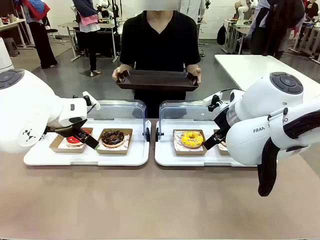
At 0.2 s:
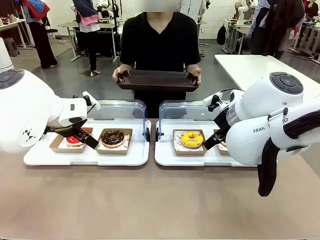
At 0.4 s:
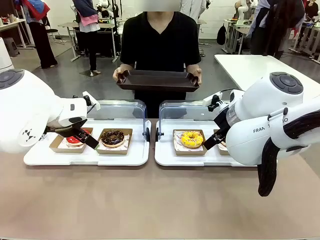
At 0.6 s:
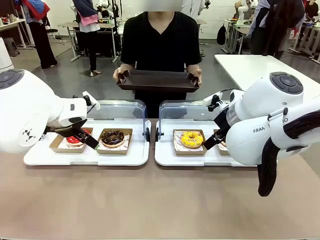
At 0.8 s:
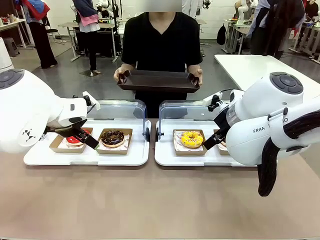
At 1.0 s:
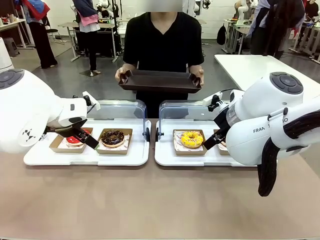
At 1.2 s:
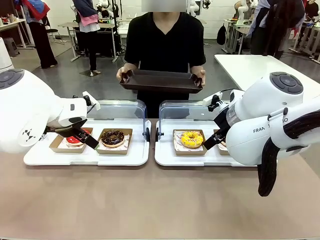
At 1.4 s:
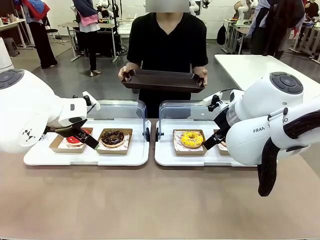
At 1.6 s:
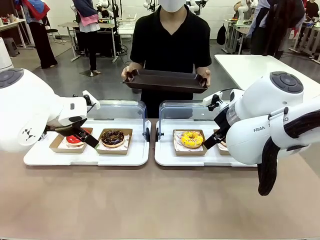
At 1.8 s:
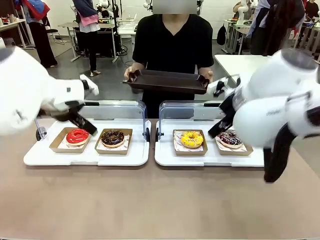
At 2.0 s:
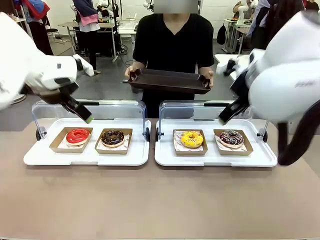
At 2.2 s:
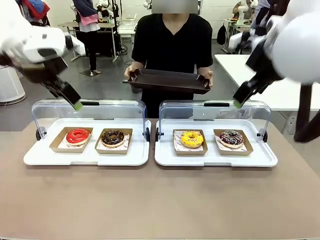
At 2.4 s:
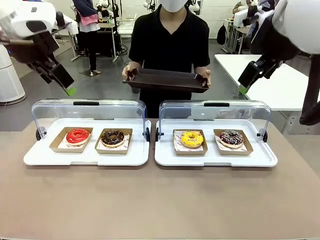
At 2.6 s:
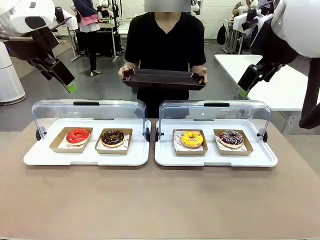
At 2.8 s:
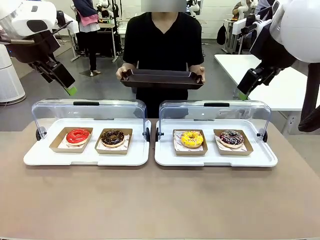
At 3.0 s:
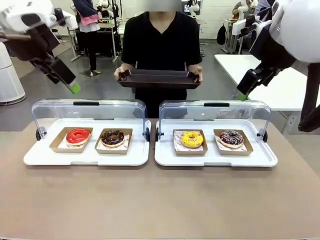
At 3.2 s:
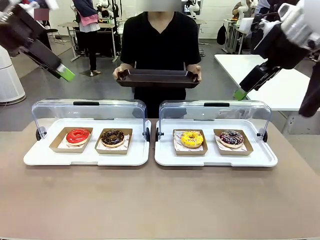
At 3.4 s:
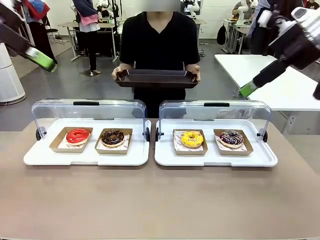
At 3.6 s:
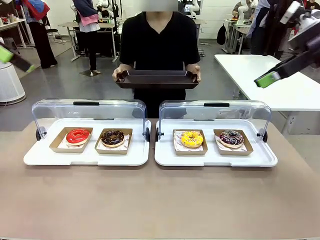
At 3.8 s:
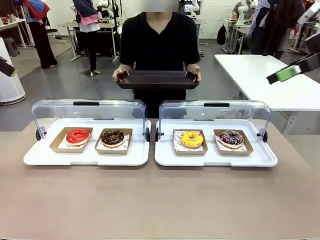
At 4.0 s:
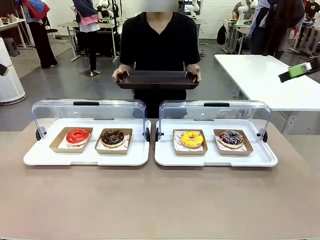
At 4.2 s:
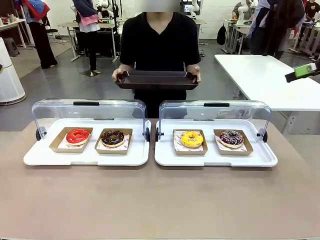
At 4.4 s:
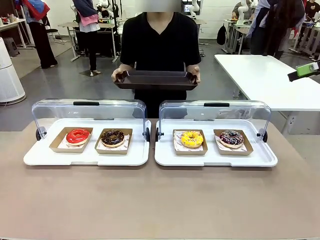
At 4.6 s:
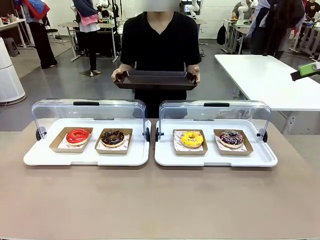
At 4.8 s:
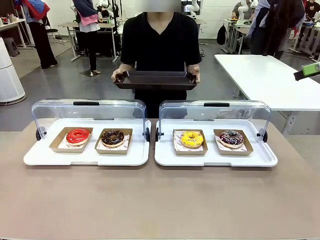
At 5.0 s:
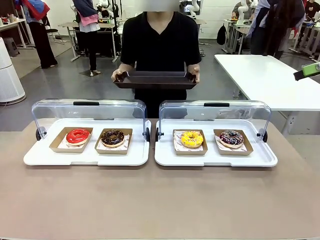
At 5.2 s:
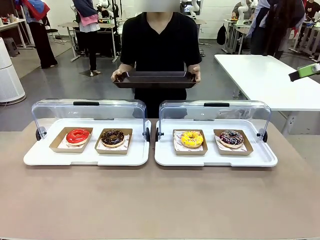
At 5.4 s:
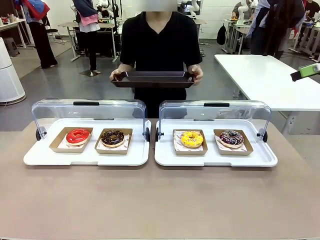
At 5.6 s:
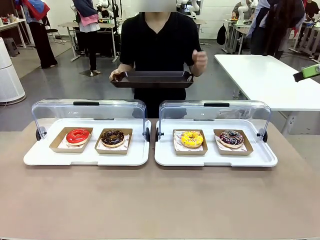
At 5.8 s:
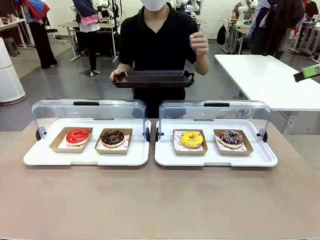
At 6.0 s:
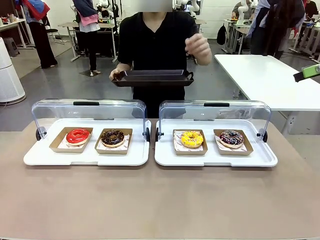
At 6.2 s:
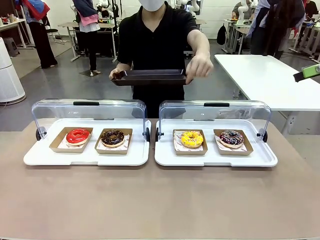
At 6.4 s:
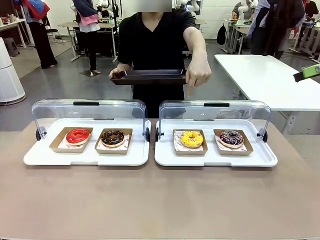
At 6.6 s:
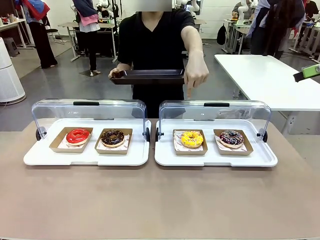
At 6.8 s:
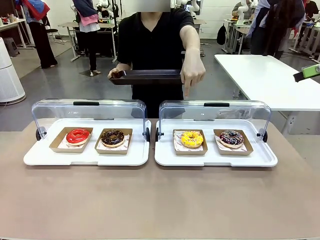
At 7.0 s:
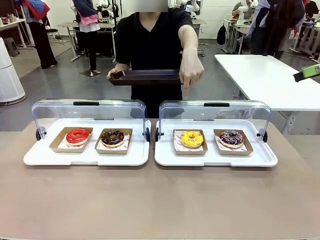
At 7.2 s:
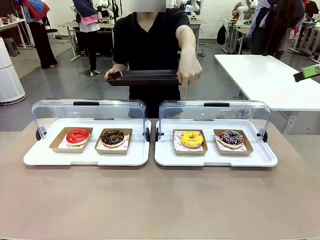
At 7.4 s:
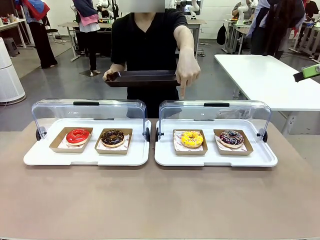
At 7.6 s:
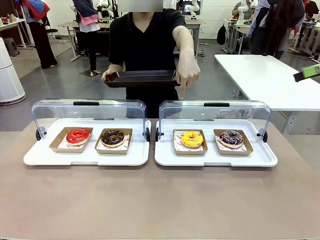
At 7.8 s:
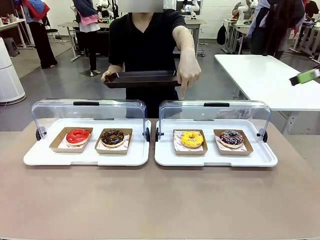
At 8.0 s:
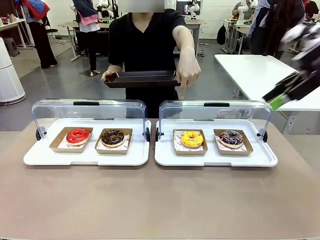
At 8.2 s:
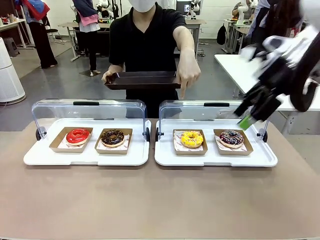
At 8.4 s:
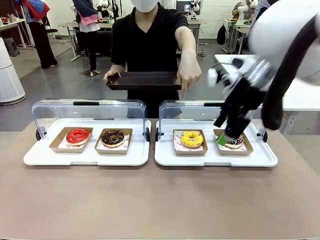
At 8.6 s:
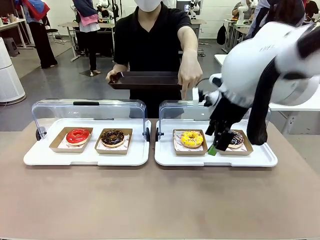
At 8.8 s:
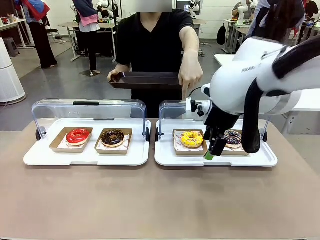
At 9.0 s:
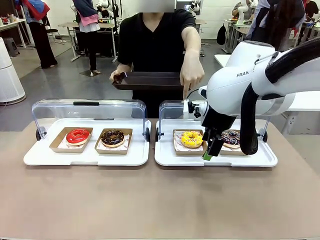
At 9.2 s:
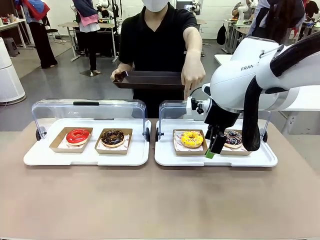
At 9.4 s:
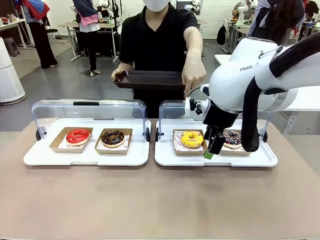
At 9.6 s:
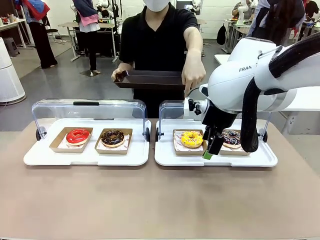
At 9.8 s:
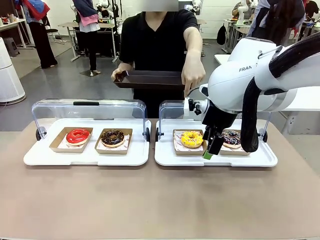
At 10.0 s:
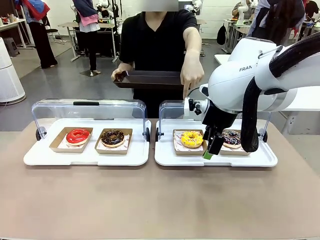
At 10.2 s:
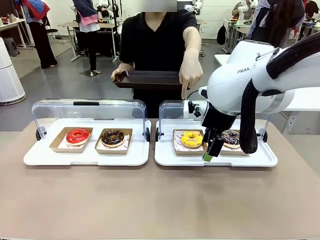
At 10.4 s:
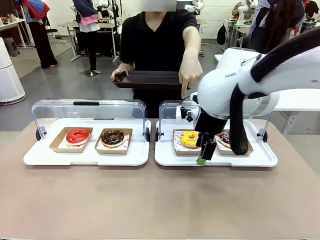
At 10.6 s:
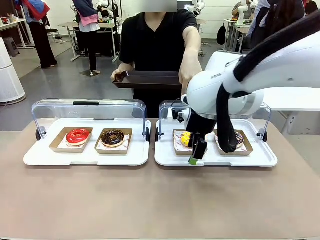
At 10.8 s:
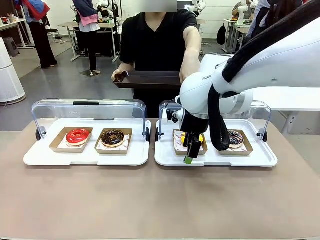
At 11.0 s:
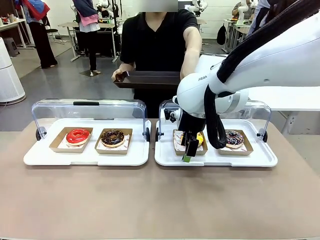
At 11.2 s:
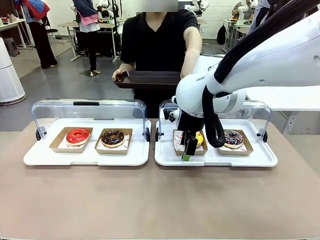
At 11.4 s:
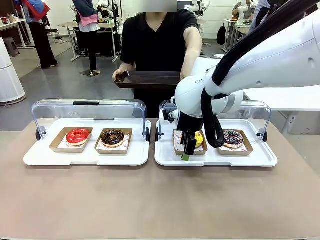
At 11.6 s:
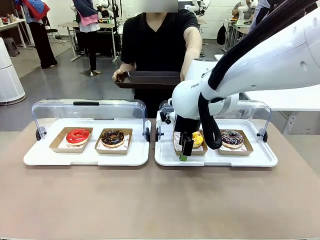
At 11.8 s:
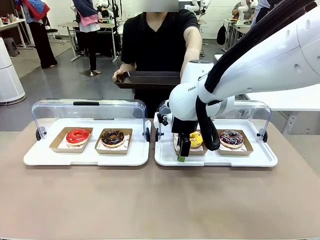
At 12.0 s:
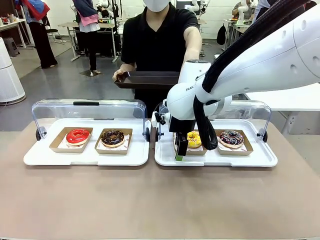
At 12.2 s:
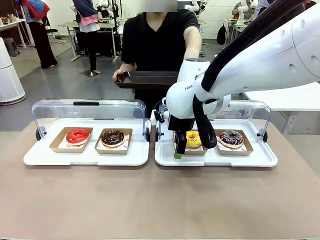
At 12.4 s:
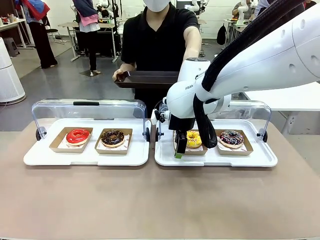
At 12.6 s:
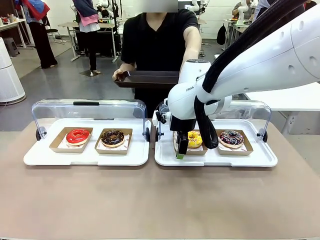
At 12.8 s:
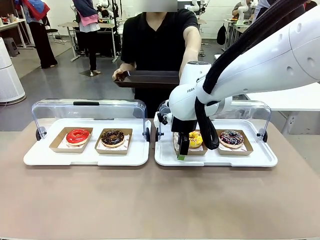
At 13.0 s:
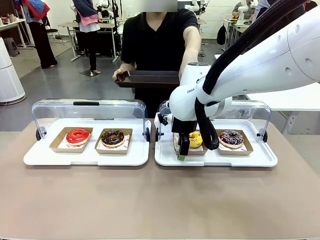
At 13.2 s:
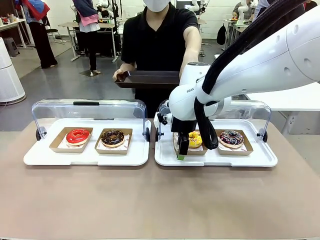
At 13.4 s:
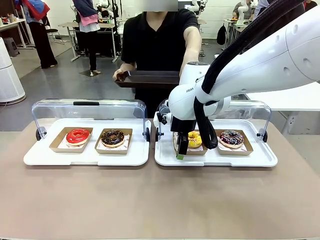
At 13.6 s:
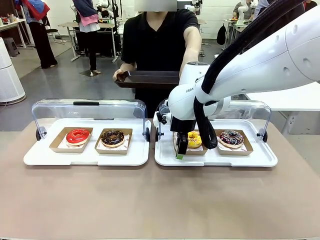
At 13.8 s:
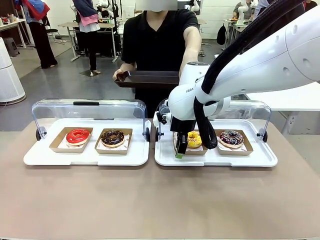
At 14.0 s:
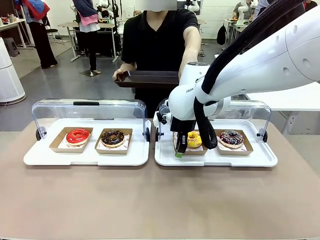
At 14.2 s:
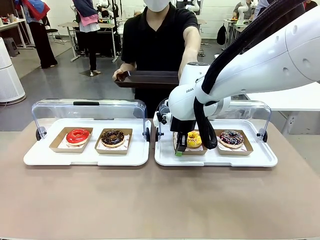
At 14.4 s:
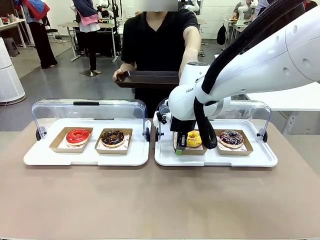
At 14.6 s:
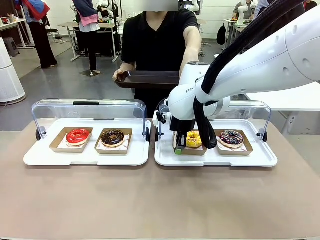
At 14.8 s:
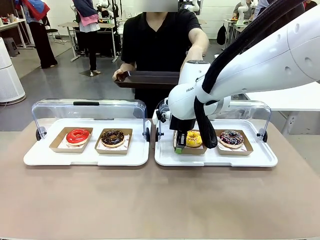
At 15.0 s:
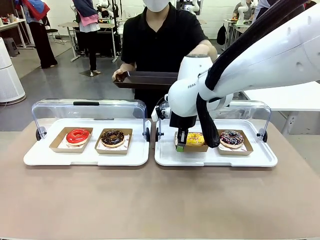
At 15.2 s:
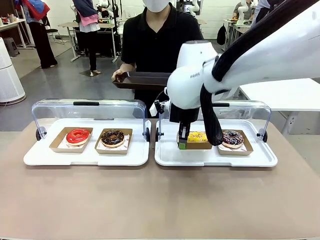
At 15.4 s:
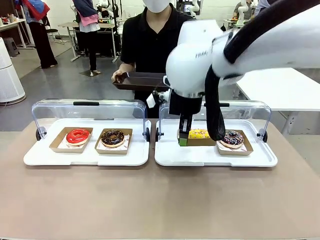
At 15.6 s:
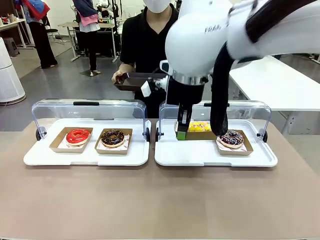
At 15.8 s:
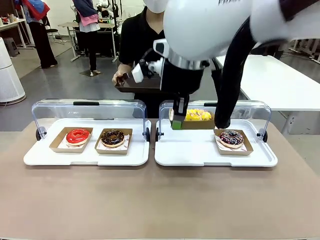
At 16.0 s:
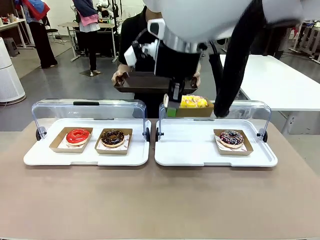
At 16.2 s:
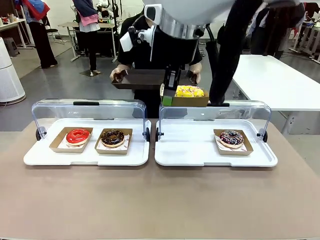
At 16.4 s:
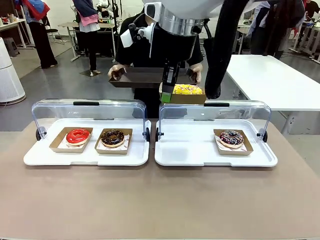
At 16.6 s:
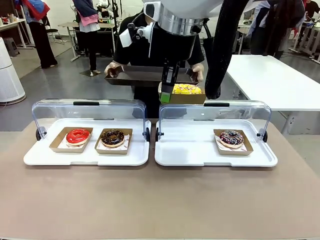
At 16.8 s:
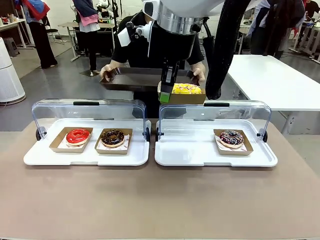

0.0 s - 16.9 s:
Task: Provide the desired donut to the person.
Robot: Pick up and lift the Paper togo box containing the Donut pointed at by the person.
Person: Point to one donut. Lift the tray onto the Roll-Top Bakery Case.
